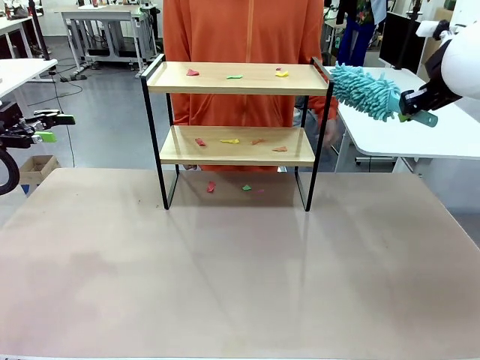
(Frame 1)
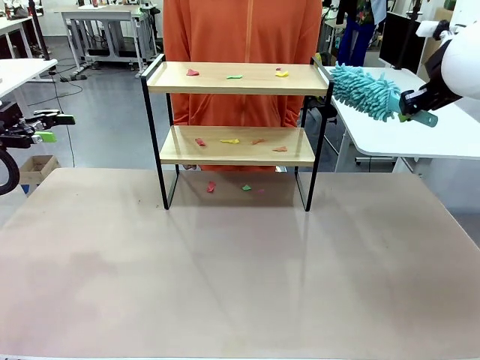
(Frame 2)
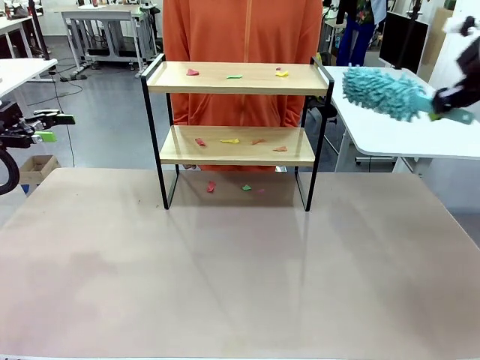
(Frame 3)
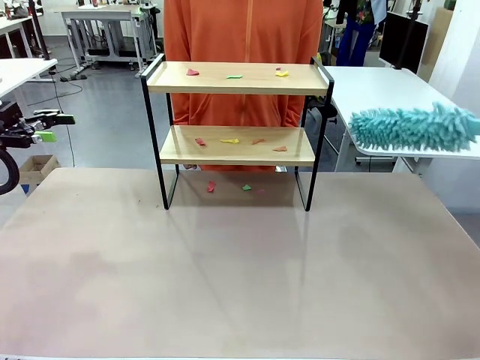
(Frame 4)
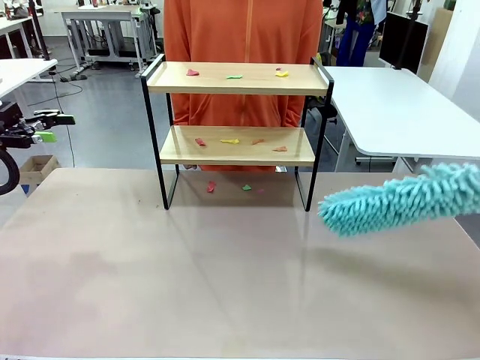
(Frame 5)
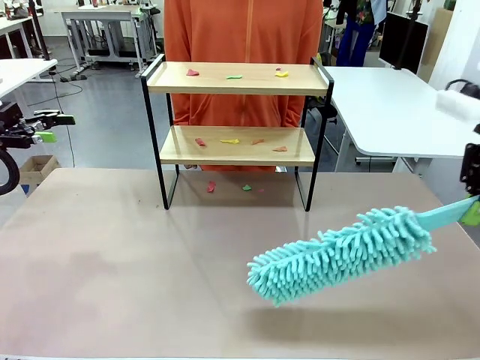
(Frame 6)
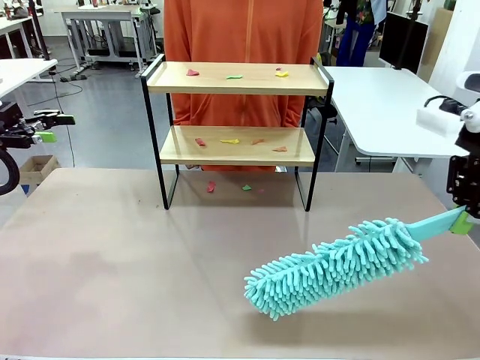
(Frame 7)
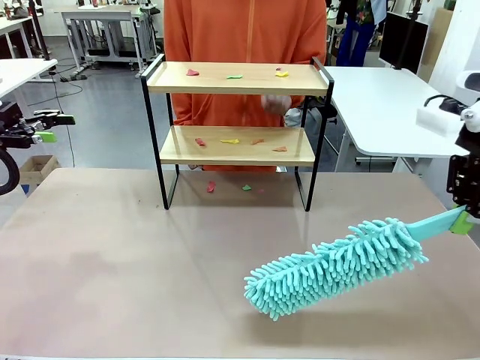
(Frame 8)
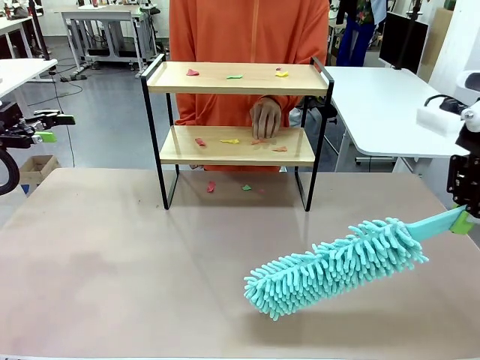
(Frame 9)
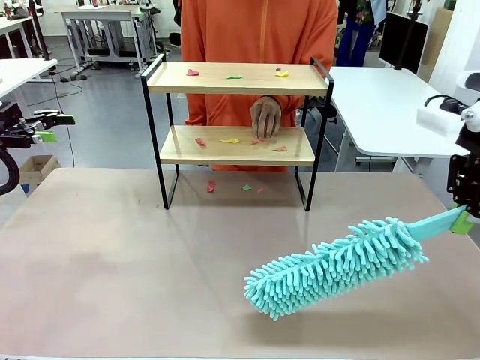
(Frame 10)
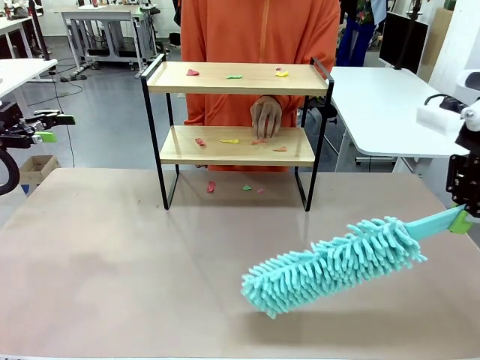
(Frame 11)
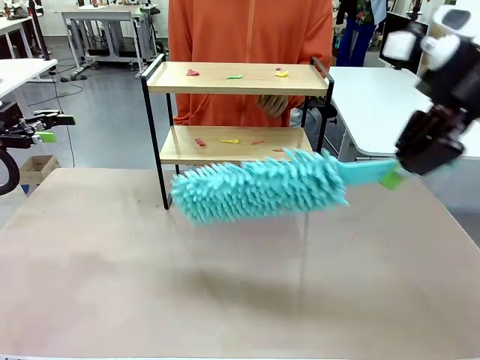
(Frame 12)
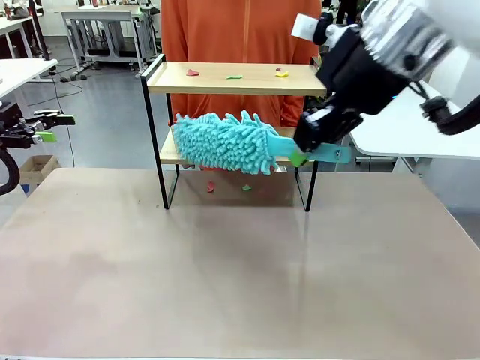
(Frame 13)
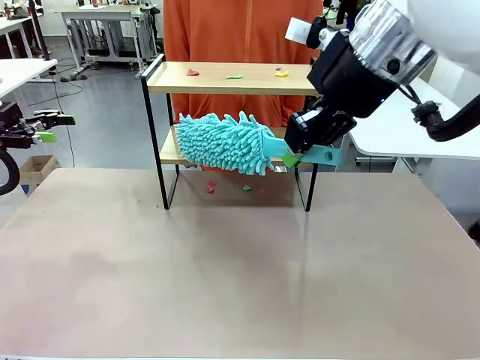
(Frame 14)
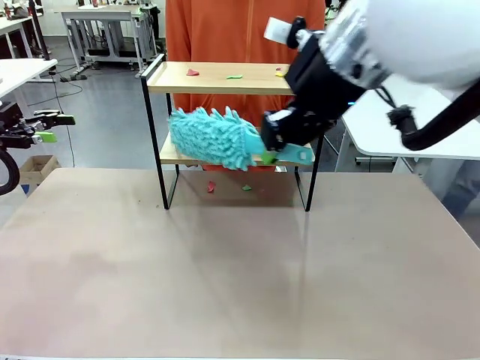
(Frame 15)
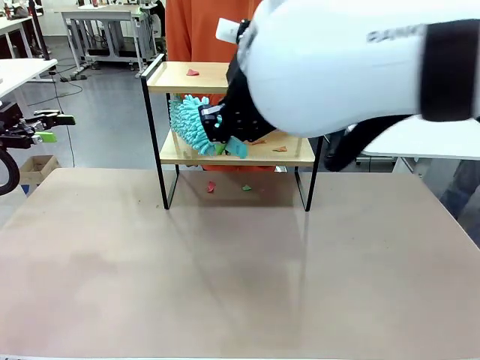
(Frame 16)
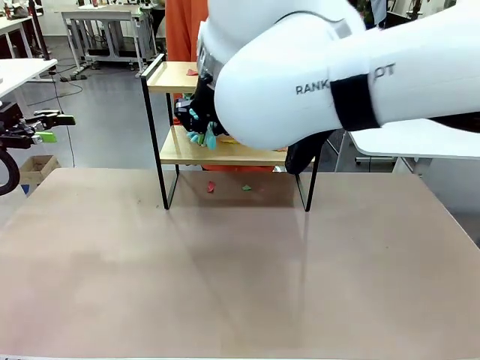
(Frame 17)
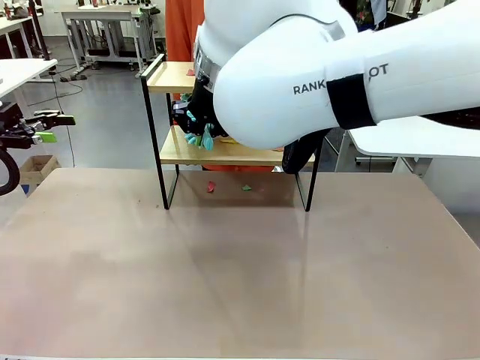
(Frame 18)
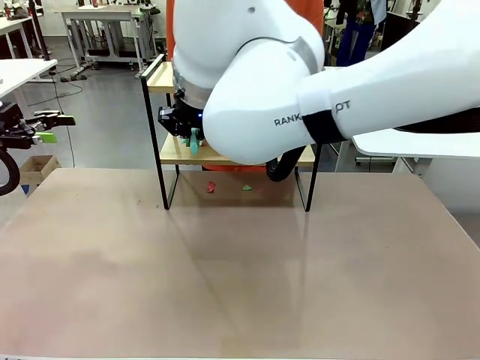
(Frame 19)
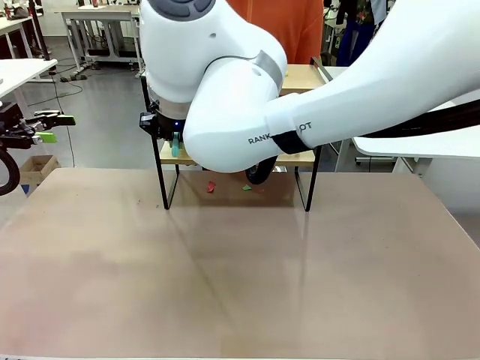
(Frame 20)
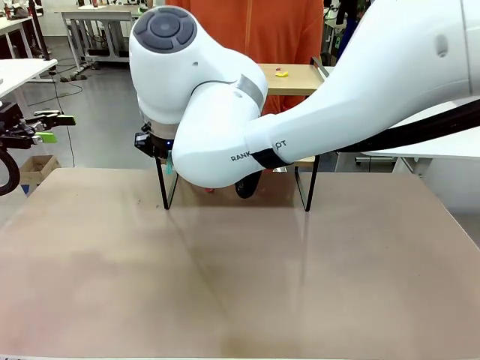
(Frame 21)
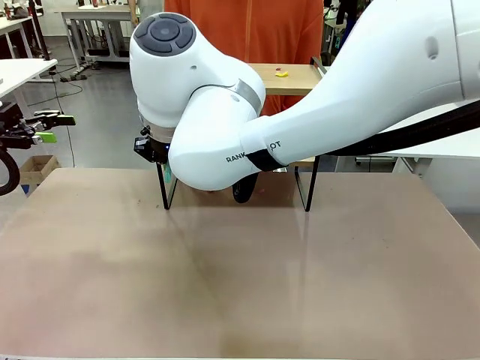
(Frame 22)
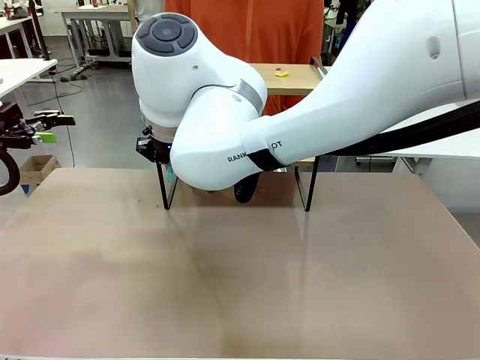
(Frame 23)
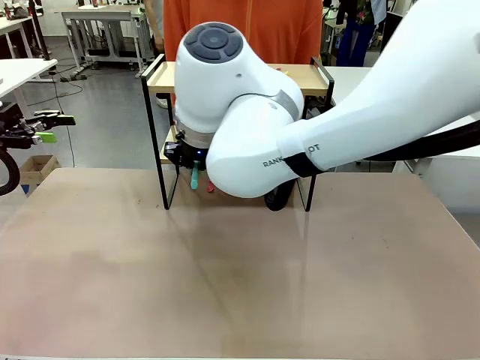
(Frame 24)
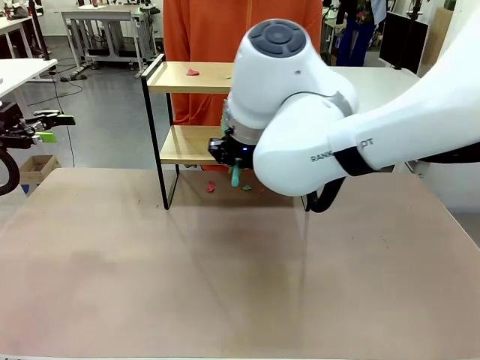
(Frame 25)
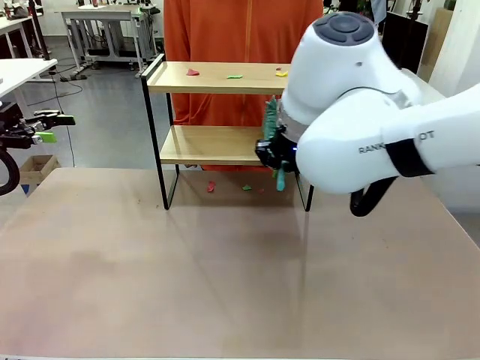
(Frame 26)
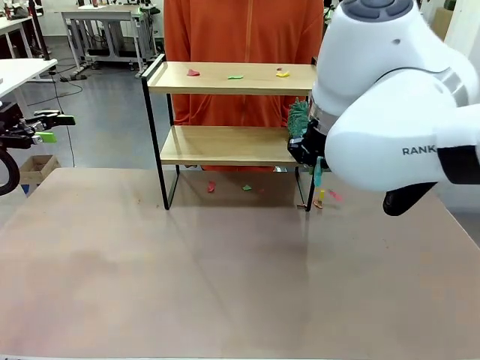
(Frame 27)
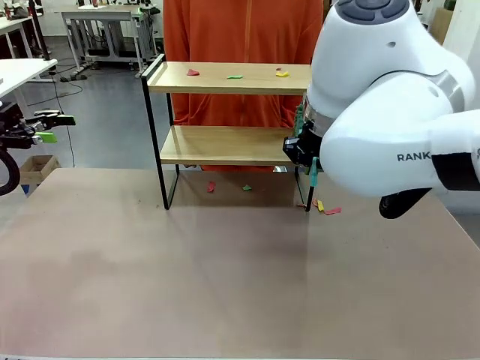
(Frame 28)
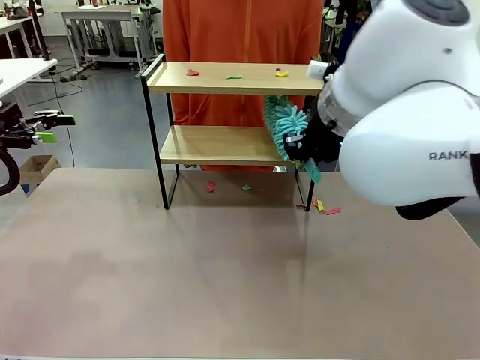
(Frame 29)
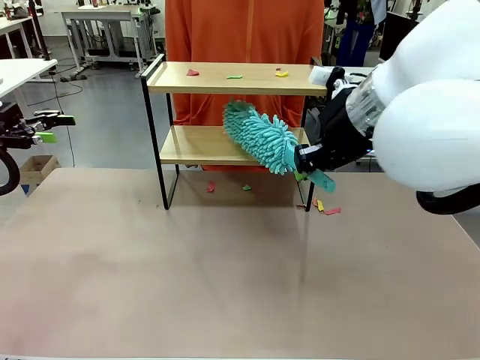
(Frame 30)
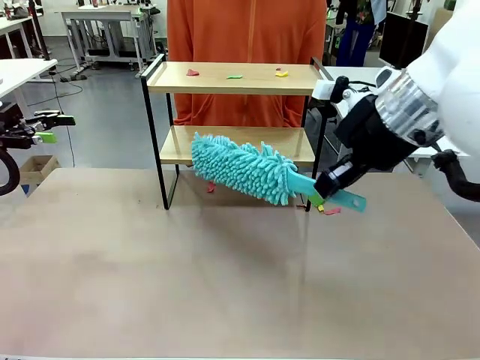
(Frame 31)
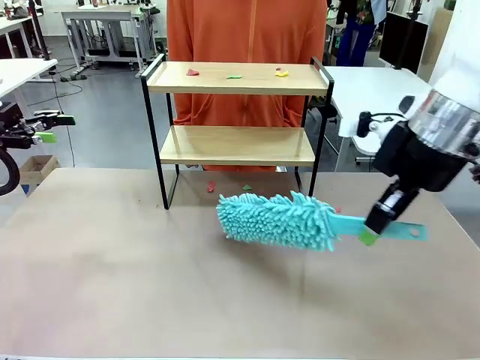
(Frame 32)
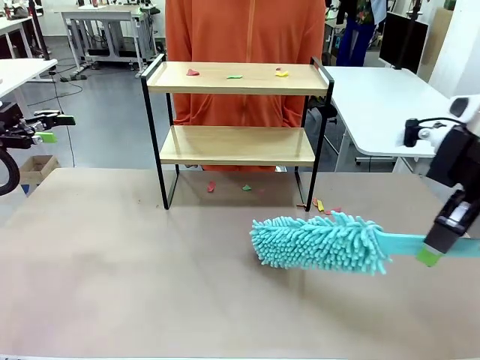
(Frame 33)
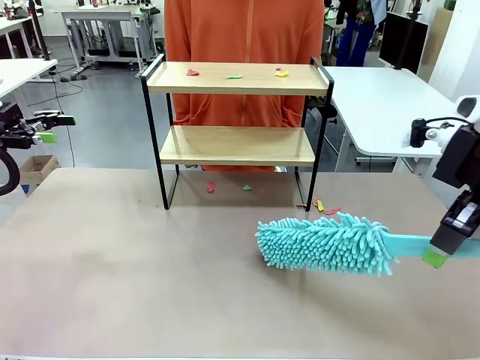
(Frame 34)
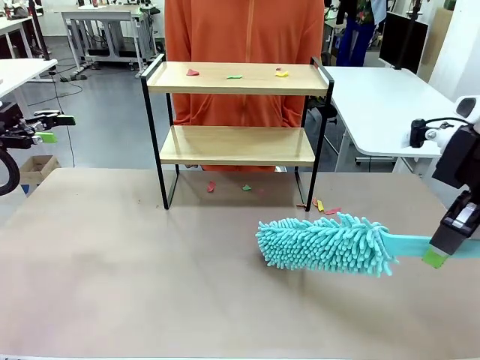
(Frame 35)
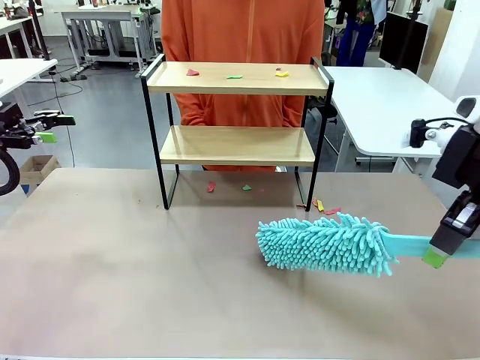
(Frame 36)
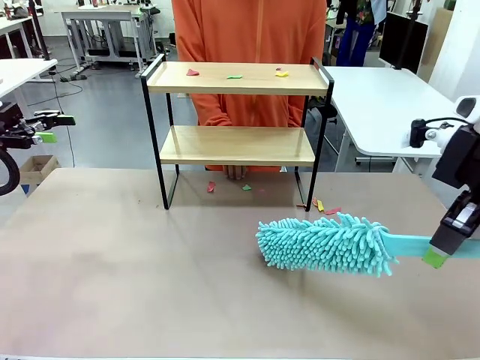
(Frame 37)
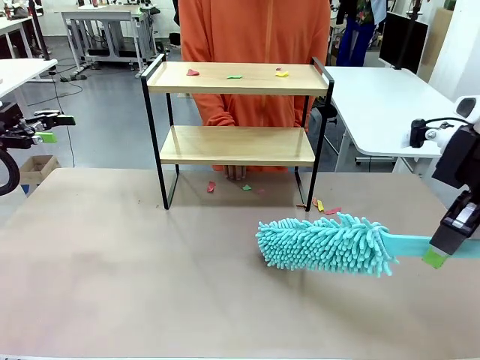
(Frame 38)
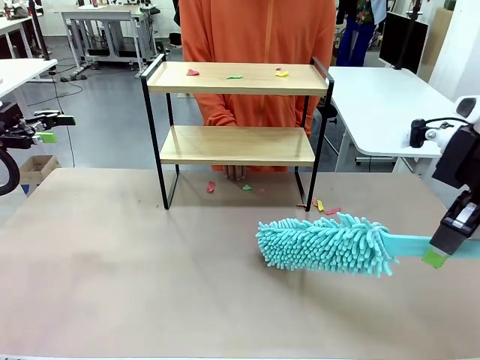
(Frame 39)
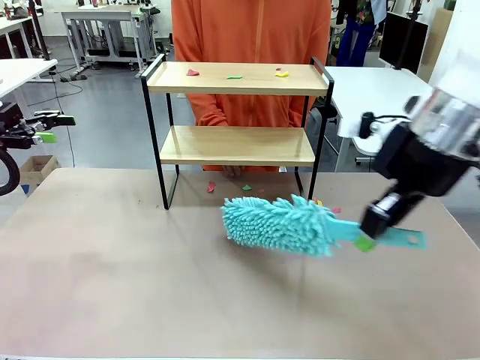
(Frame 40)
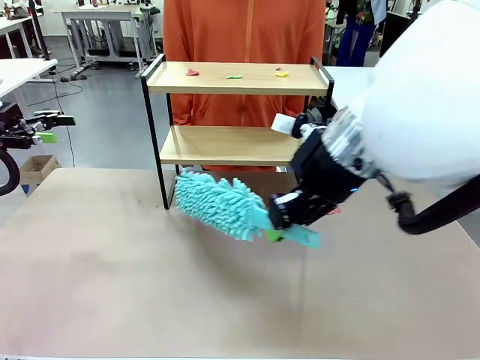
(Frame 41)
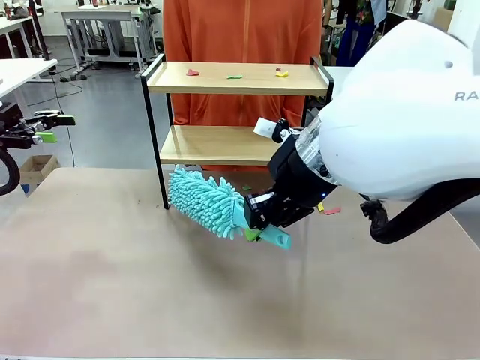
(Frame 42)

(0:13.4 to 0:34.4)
Task: Clean the shelf.
Robot: Clean the specific section of the Shelf indicated by the human with the Duster.
Person: Point a random section of the Shelf.
